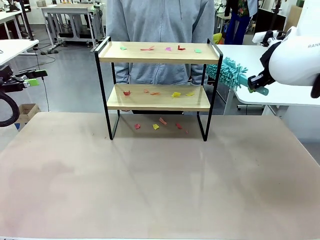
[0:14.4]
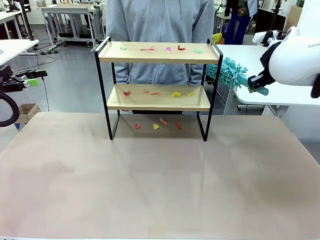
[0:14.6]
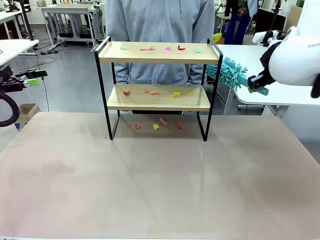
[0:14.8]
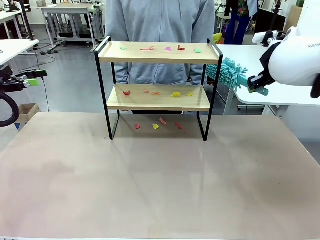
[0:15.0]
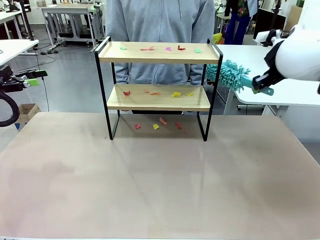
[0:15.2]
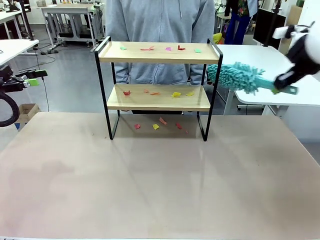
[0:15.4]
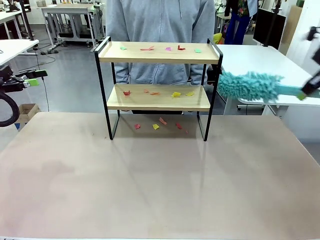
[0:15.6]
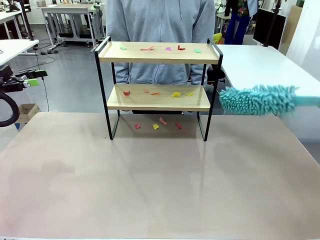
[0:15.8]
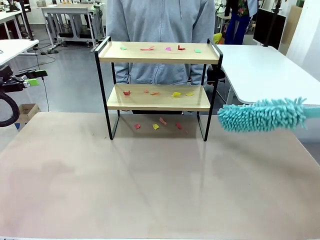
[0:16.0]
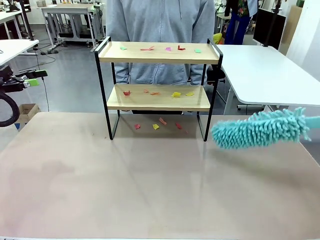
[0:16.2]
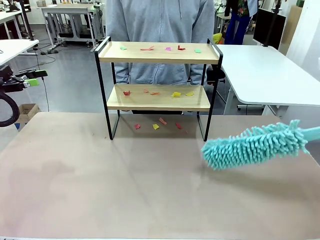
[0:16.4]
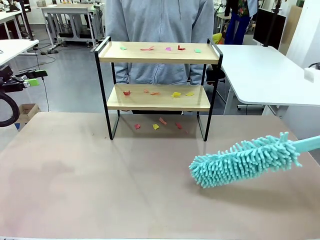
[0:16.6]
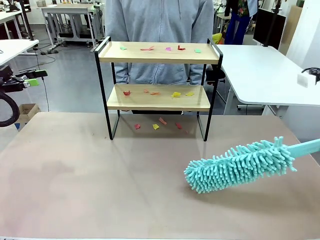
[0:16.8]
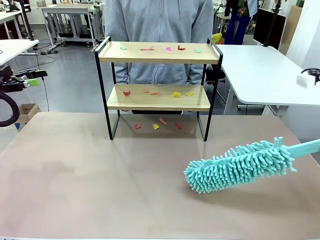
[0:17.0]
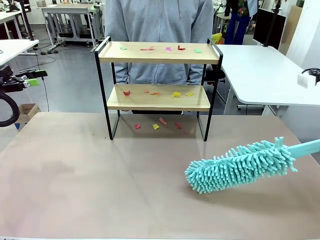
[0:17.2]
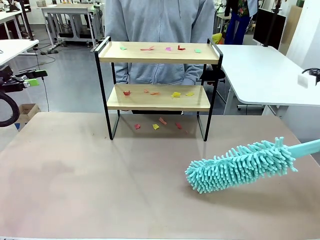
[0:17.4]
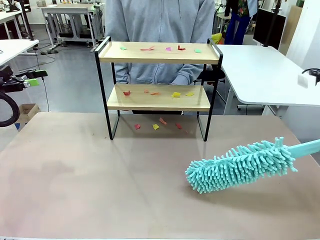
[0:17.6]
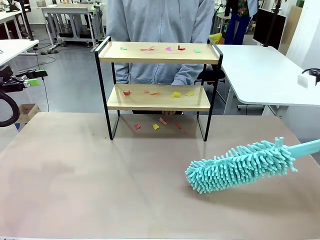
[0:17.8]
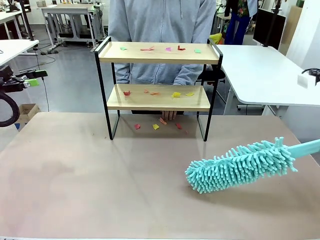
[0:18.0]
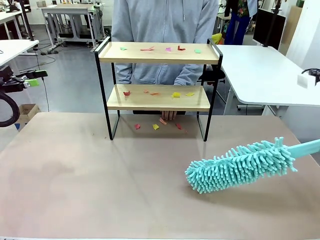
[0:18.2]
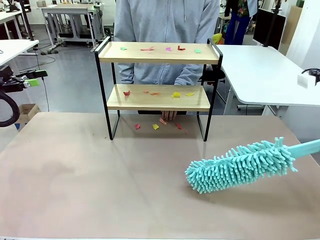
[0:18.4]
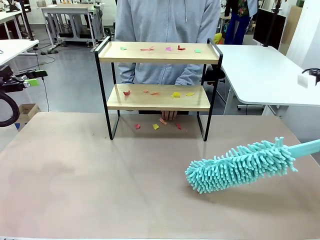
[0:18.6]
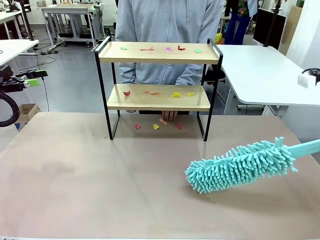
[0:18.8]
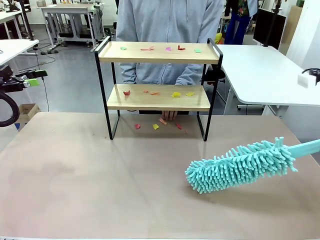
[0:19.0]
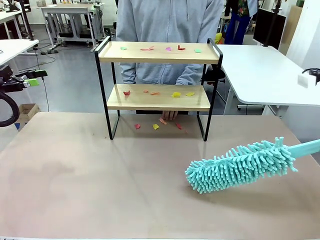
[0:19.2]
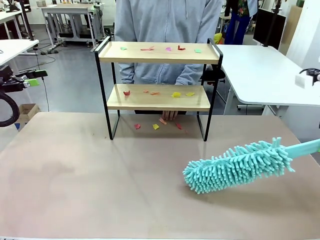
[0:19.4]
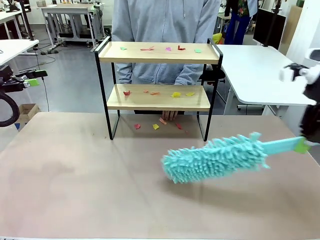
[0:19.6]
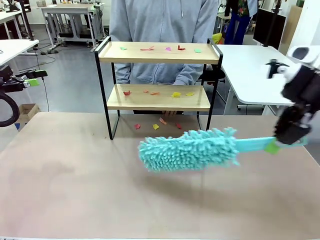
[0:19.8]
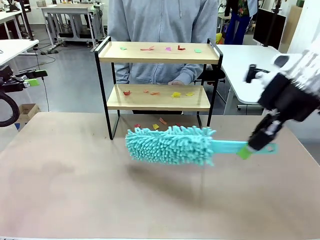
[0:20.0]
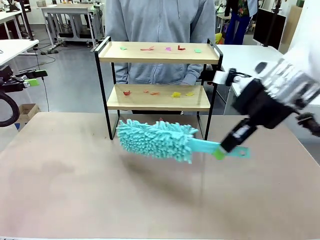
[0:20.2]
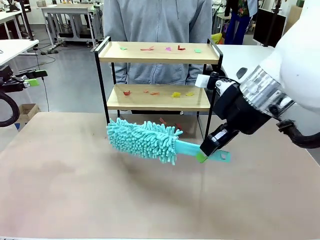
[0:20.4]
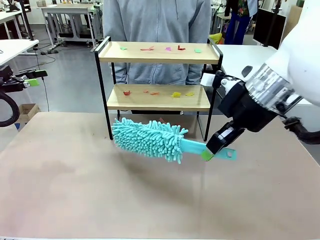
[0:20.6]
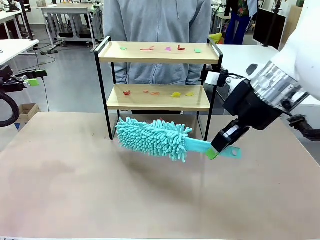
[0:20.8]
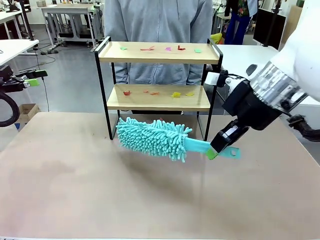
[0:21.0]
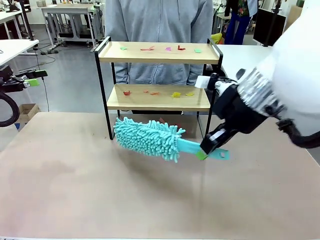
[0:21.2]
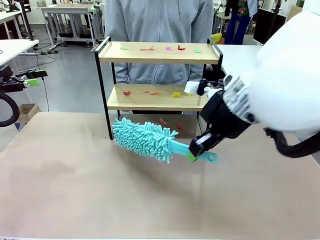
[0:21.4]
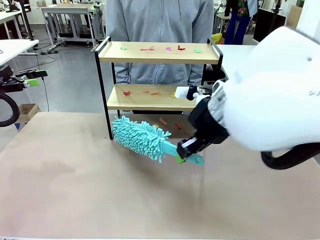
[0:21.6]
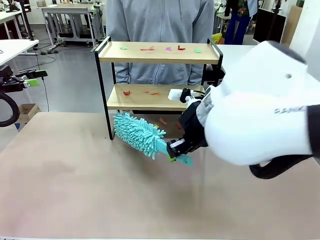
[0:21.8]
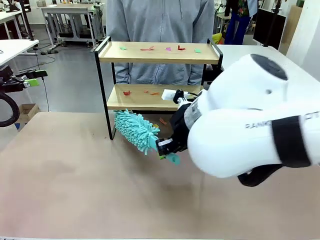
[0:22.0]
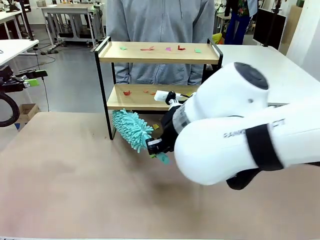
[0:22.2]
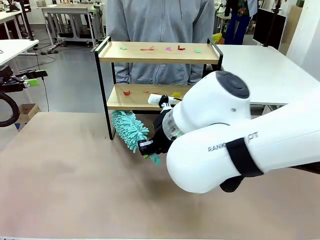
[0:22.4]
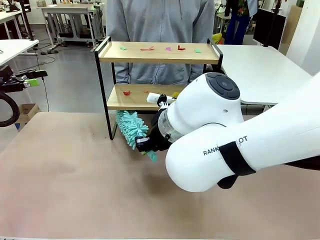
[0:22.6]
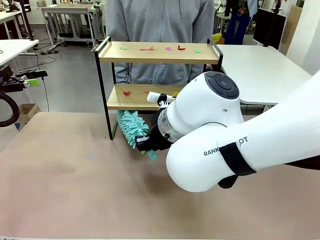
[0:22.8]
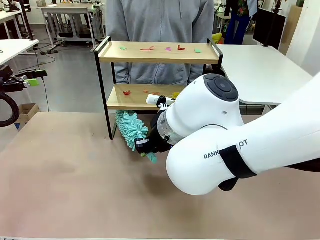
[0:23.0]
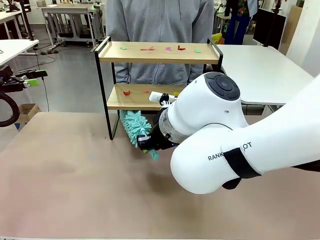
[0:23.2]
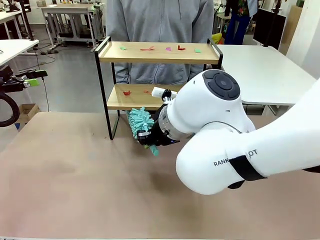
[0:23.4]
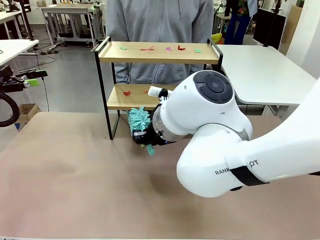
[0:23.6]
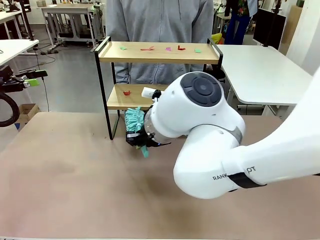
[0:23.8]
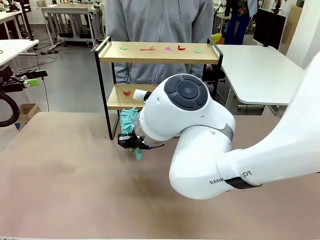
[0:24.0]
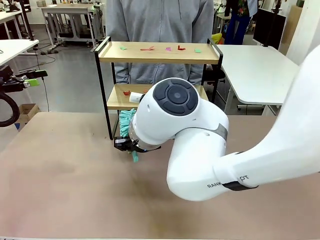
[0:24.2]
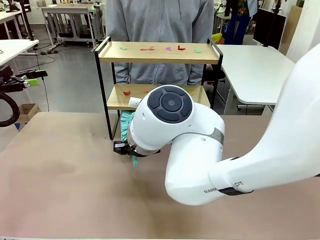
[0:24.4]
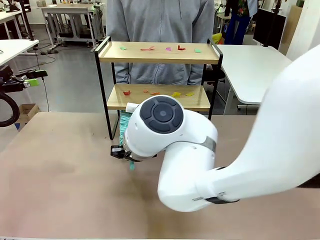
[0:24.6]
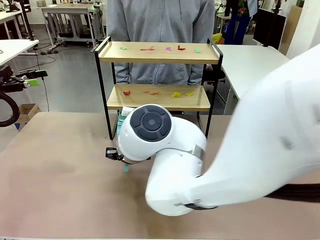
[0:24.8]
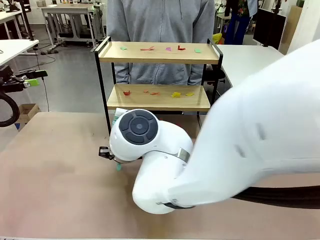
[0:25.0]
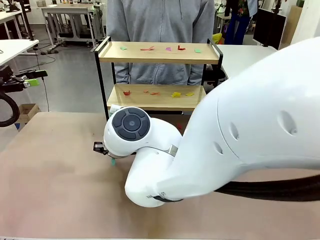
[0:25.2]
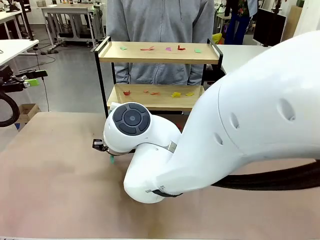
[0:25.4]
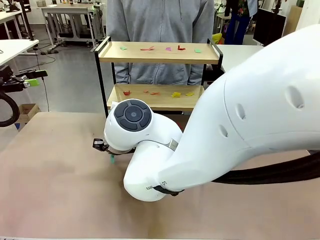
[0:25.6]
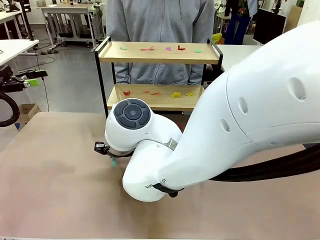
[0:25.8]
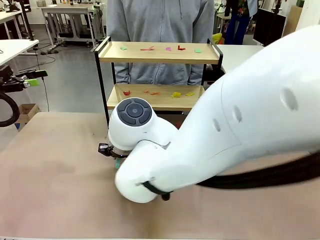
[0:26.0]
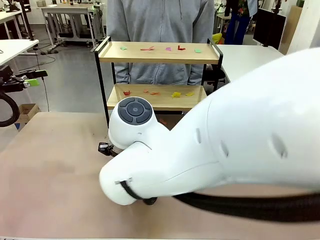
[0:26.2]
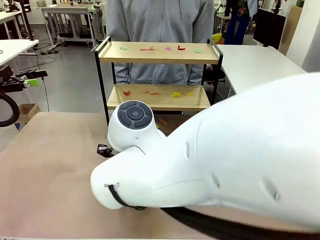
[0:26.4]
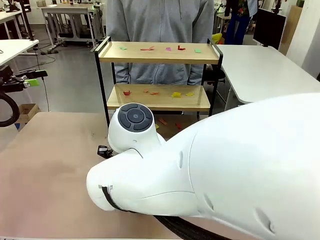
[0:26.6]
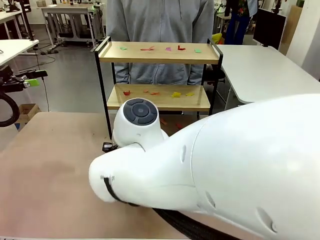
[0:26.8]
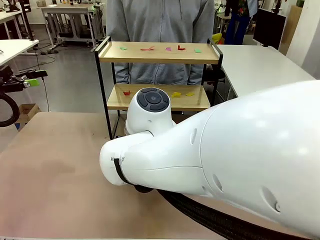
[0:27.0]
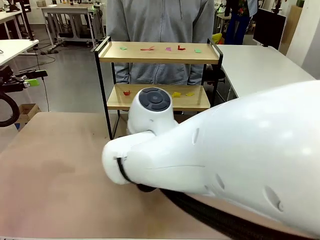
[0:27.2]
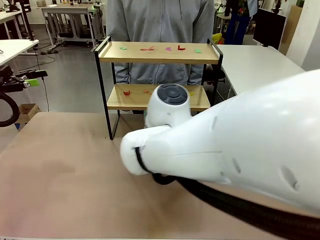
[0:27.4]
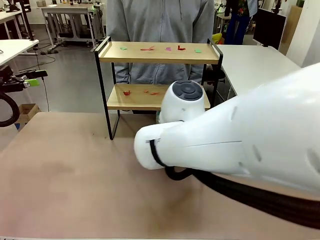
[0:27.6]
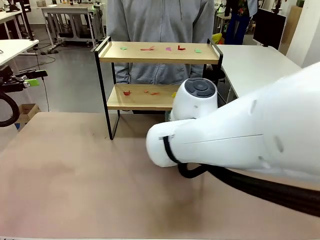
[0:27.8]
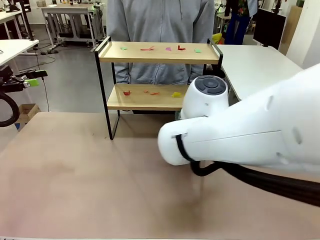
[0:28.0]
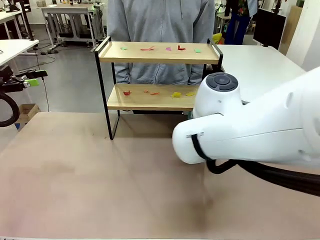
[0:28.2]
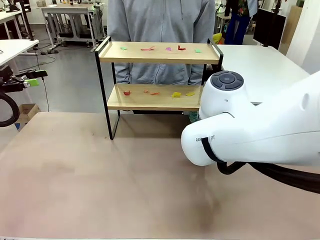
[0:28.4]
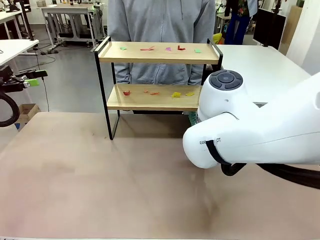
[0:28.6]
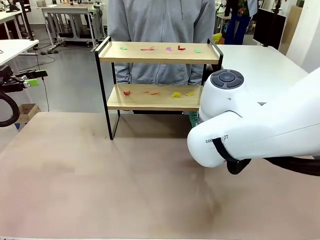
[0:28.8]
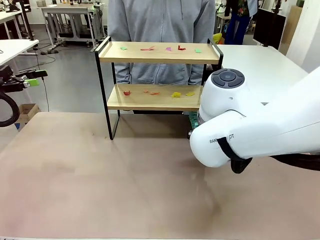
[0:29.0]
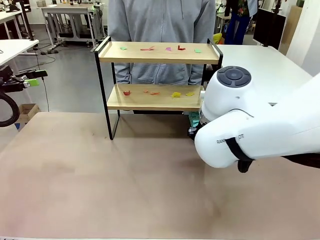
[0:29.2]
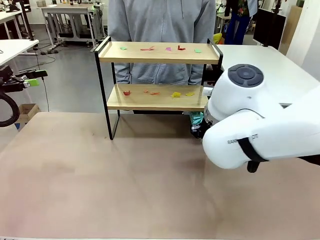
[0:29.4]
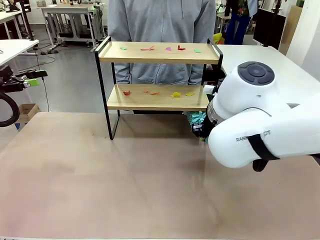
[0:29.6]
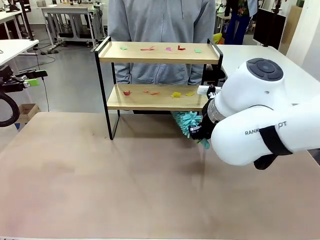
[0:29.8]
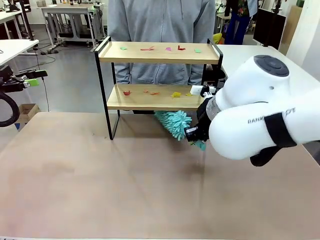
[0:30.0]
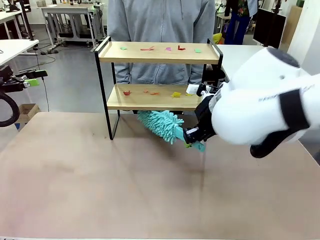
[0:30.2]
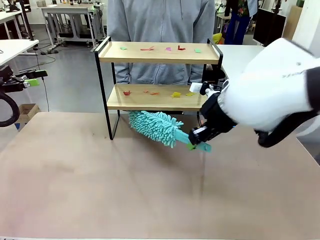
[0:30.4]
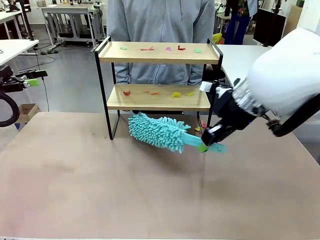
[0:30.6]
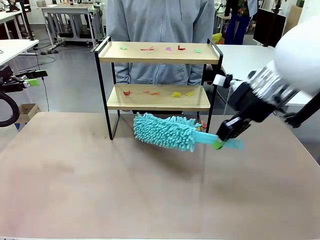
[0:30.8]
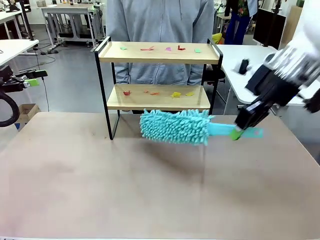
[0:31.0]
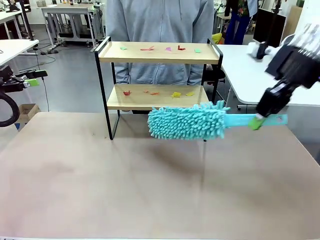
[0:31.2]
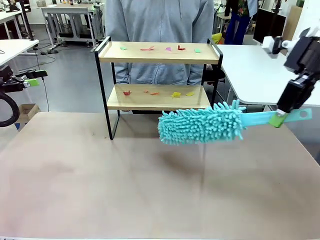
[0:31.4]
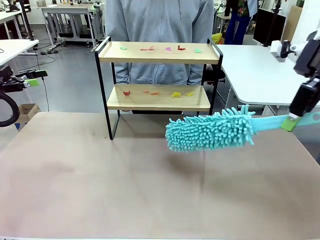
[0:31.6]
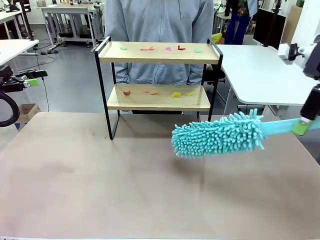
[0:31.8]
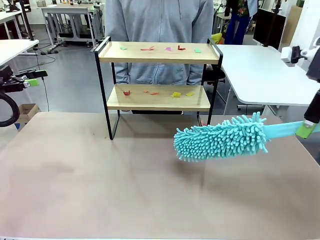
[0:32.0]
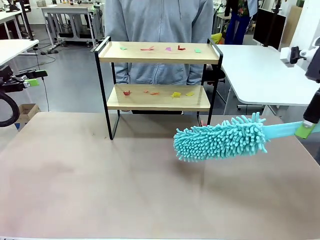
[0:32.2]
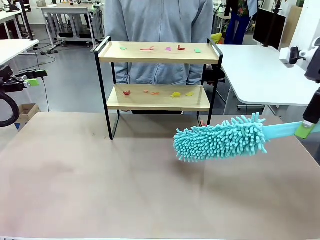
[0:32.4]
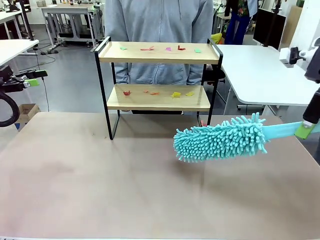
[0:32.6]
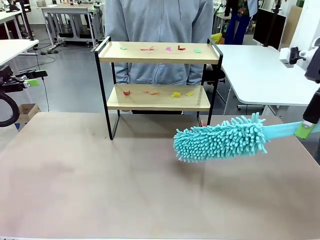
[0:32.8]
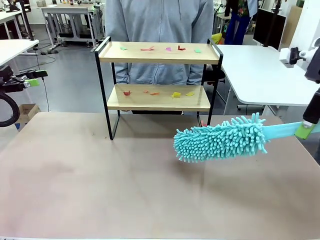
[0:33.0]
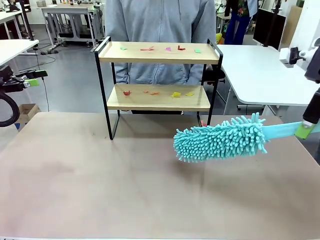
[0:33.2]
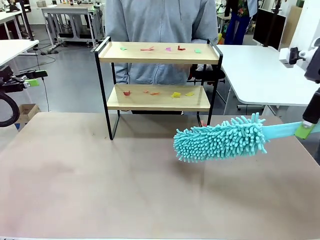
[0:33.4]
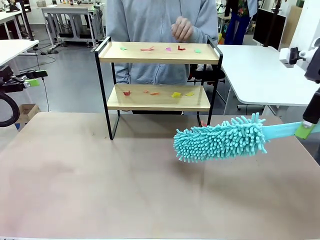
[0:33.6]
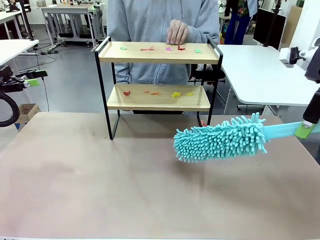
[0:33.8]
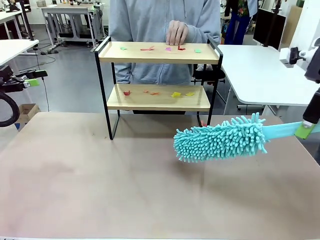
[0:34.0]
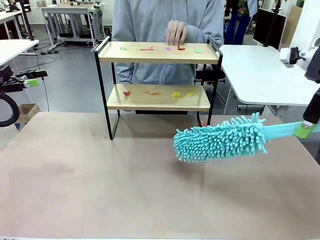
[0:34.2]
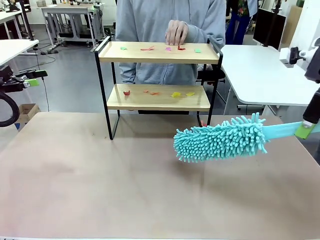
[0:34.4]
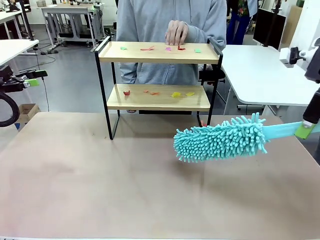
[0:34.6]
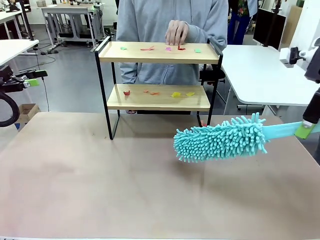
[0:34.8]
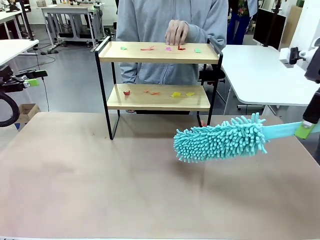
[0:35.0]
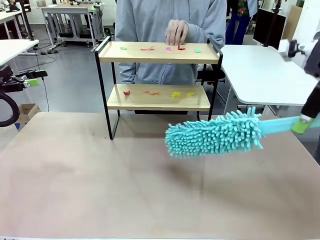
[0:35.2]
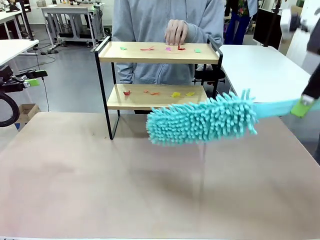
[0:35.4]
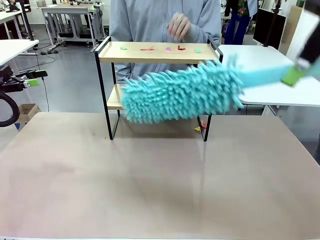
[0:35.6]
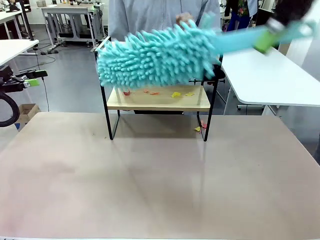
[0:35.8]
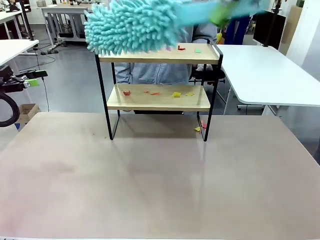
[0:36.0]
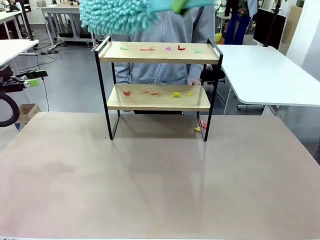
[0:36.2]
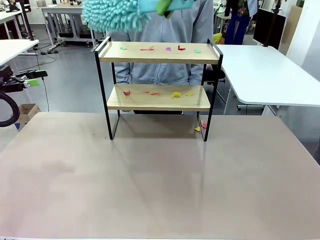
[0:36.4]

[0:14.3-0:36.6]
Task: Clean the shelf.
Robot: Clean the specific section of the Shelf indicated by the human with the Duster.
Person: Point a random section of the Shelf.
